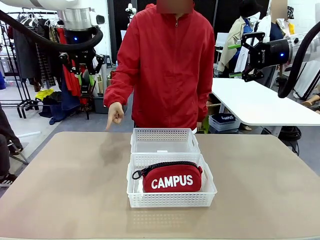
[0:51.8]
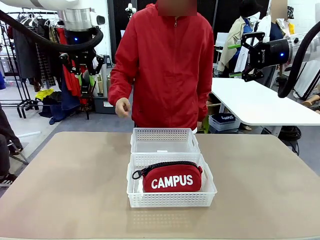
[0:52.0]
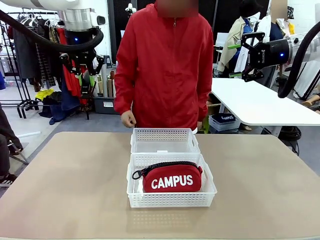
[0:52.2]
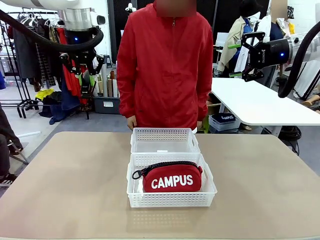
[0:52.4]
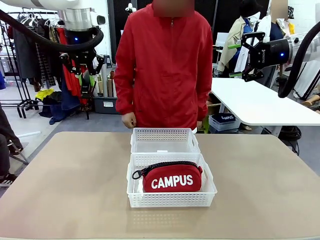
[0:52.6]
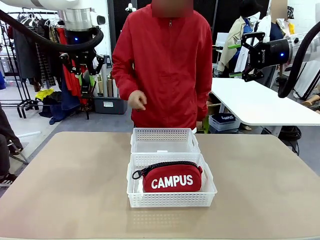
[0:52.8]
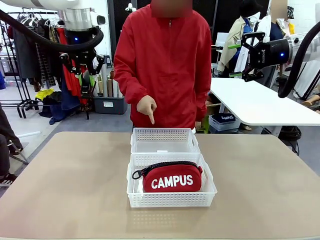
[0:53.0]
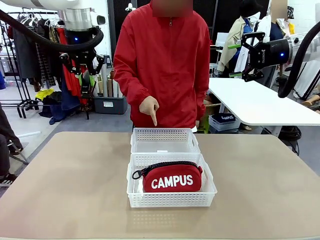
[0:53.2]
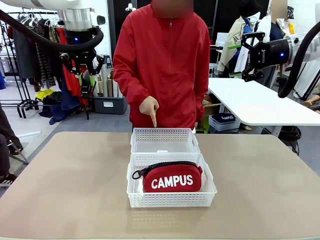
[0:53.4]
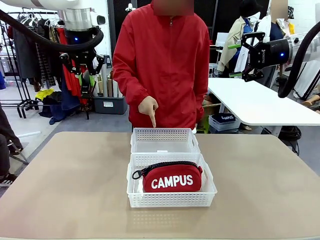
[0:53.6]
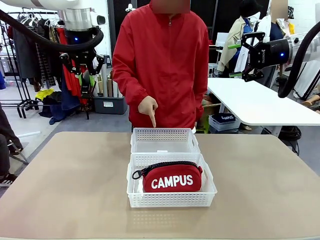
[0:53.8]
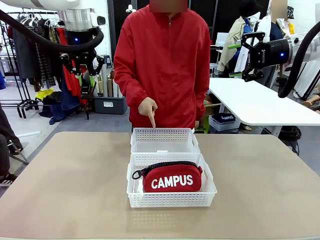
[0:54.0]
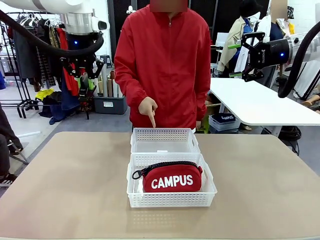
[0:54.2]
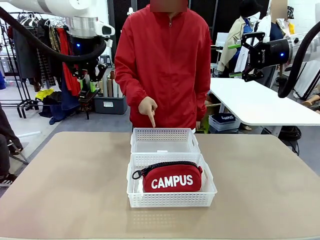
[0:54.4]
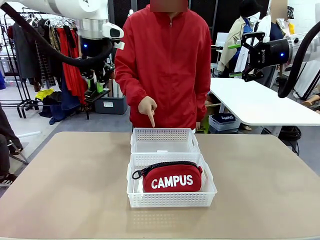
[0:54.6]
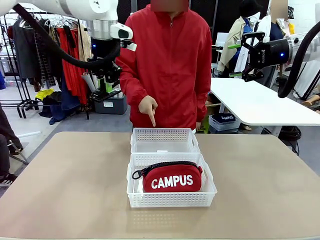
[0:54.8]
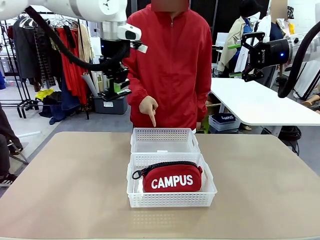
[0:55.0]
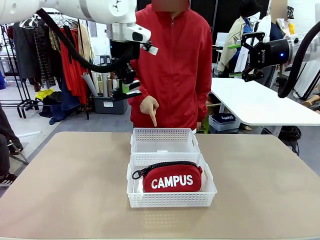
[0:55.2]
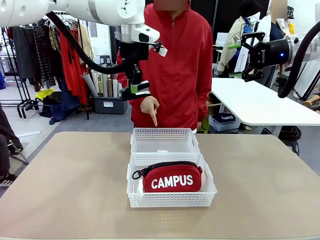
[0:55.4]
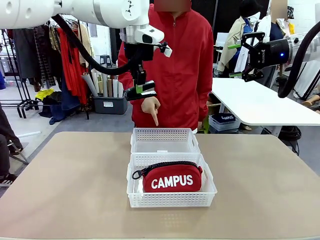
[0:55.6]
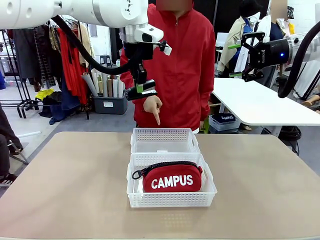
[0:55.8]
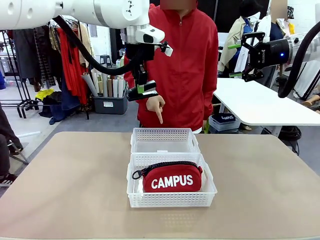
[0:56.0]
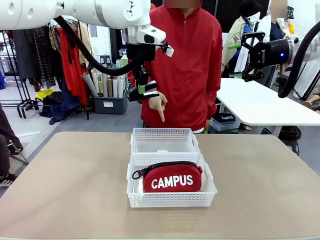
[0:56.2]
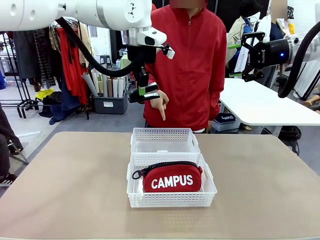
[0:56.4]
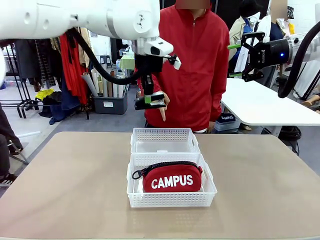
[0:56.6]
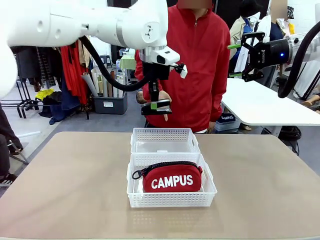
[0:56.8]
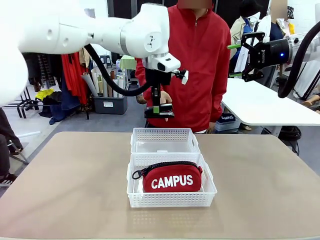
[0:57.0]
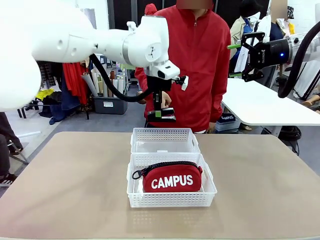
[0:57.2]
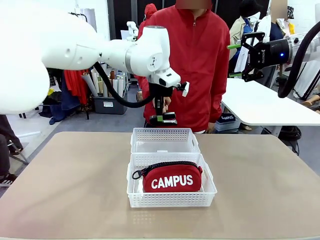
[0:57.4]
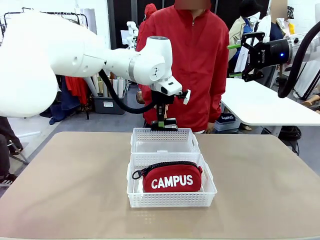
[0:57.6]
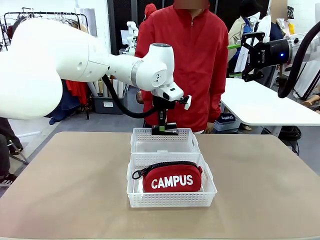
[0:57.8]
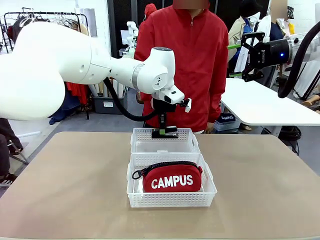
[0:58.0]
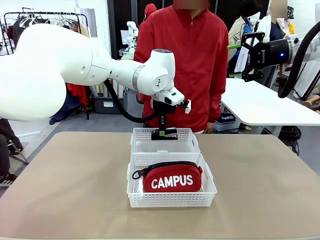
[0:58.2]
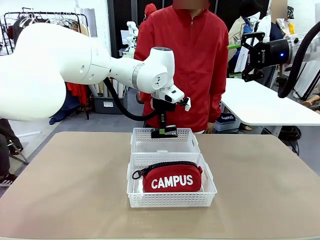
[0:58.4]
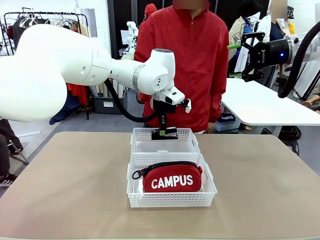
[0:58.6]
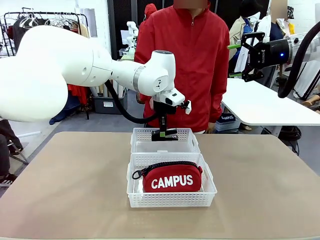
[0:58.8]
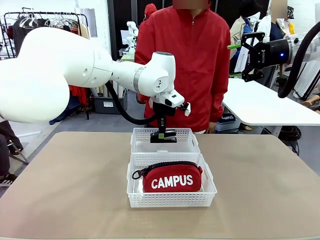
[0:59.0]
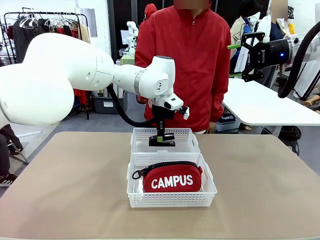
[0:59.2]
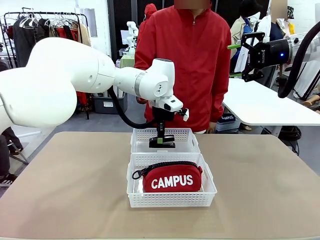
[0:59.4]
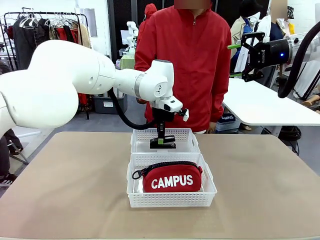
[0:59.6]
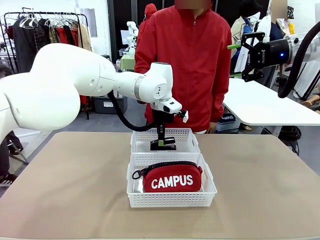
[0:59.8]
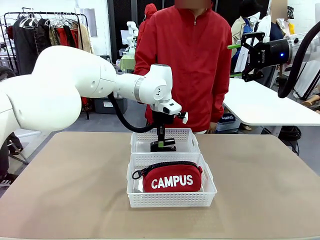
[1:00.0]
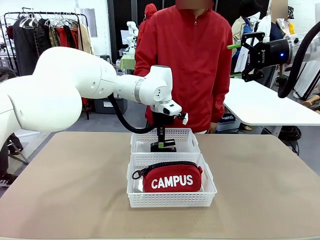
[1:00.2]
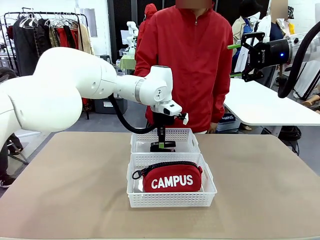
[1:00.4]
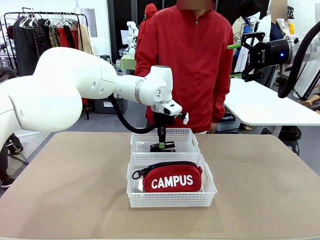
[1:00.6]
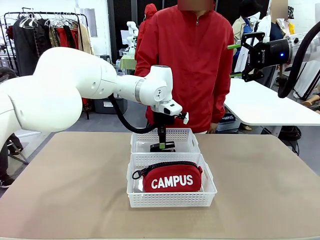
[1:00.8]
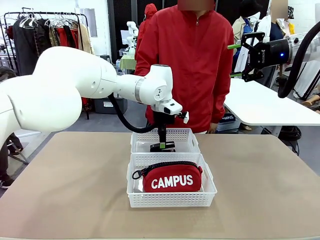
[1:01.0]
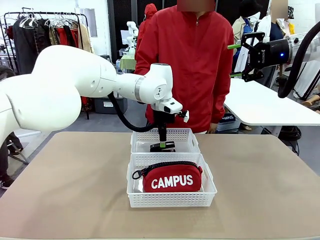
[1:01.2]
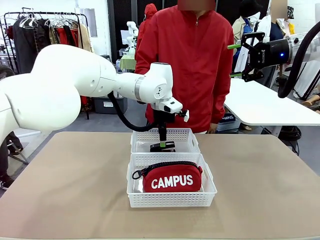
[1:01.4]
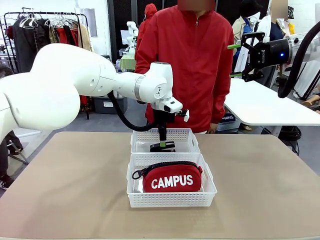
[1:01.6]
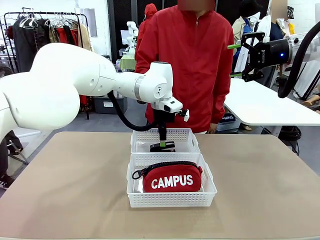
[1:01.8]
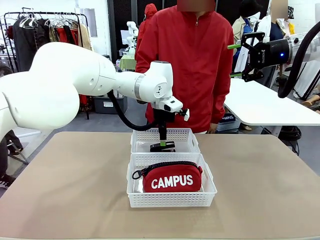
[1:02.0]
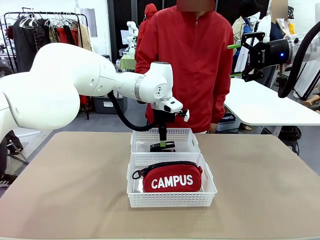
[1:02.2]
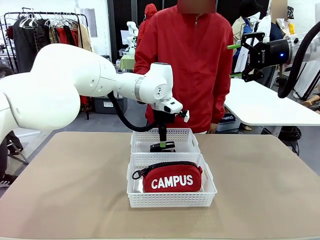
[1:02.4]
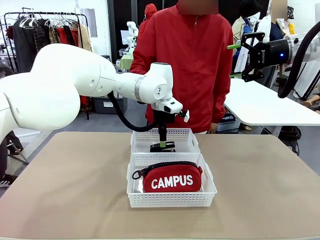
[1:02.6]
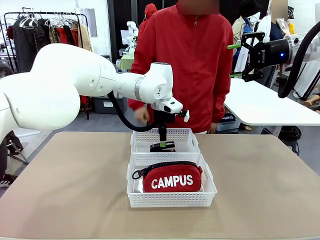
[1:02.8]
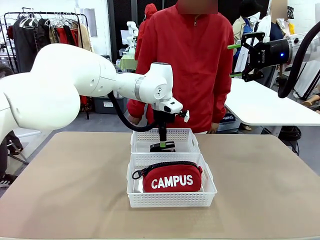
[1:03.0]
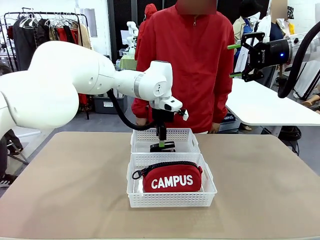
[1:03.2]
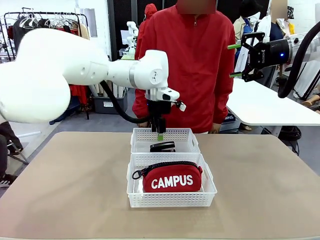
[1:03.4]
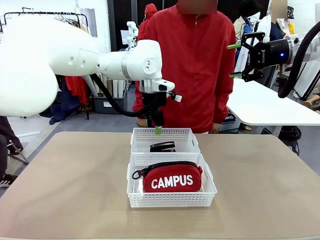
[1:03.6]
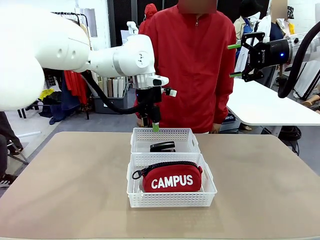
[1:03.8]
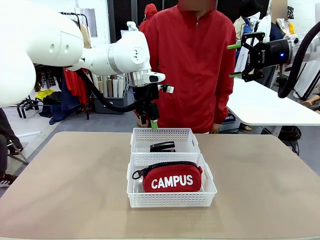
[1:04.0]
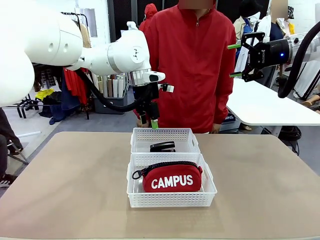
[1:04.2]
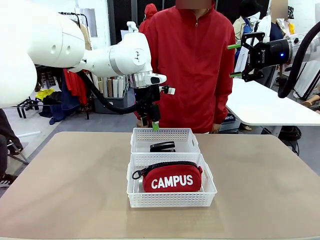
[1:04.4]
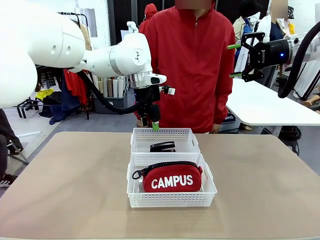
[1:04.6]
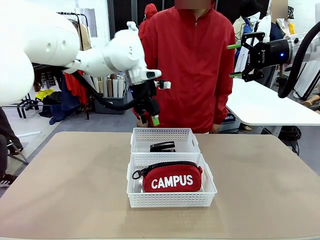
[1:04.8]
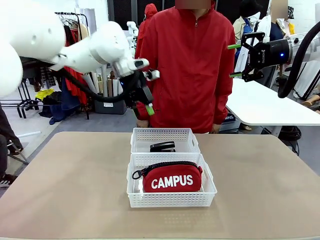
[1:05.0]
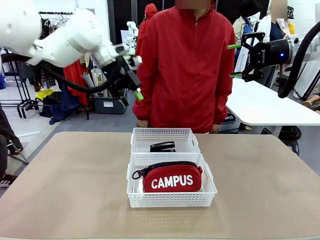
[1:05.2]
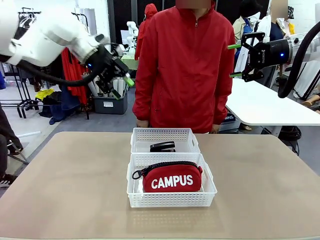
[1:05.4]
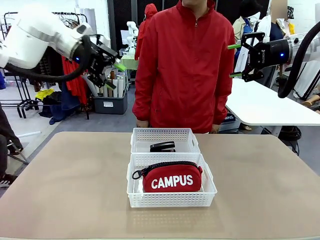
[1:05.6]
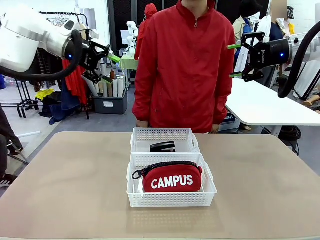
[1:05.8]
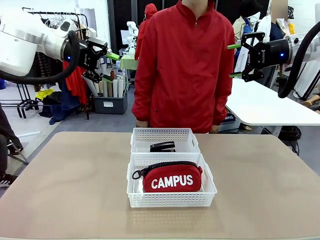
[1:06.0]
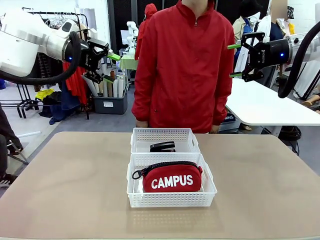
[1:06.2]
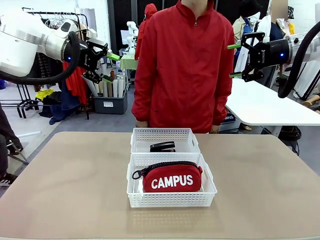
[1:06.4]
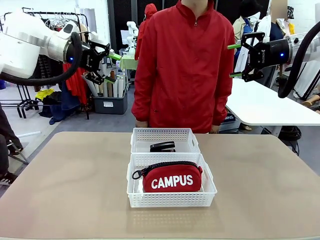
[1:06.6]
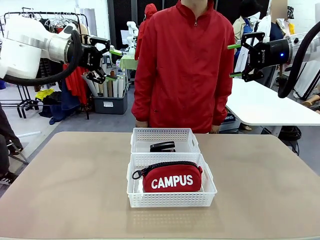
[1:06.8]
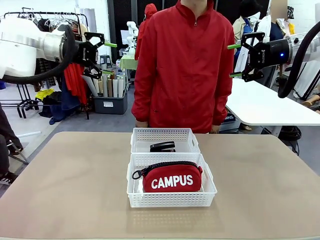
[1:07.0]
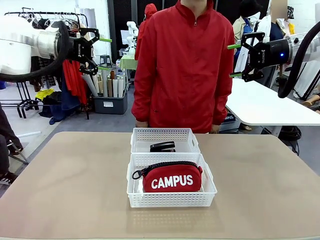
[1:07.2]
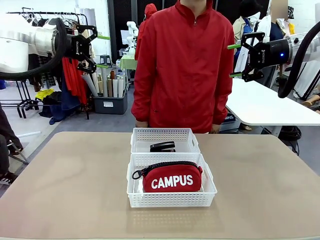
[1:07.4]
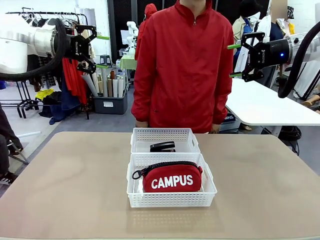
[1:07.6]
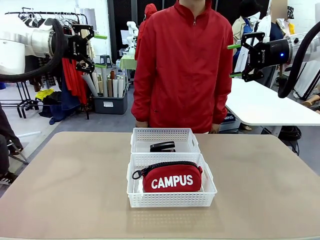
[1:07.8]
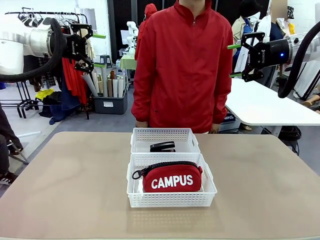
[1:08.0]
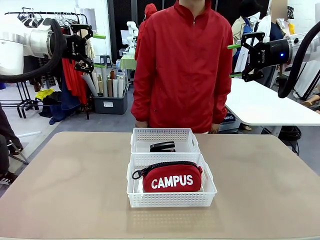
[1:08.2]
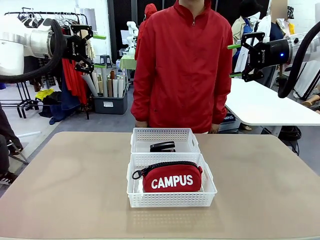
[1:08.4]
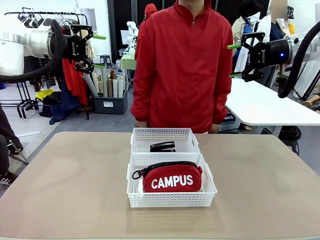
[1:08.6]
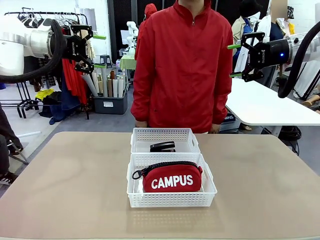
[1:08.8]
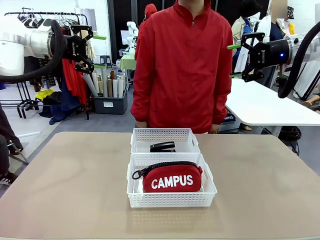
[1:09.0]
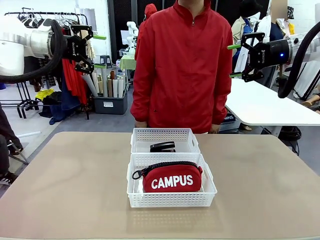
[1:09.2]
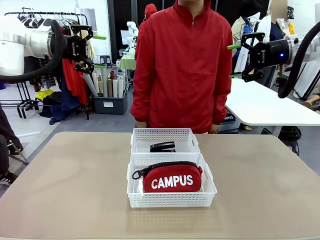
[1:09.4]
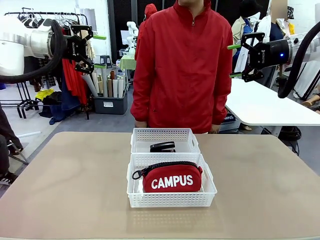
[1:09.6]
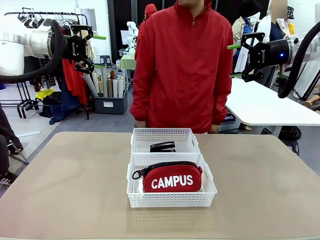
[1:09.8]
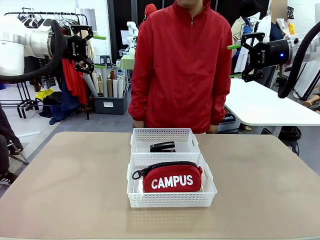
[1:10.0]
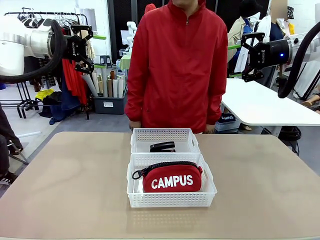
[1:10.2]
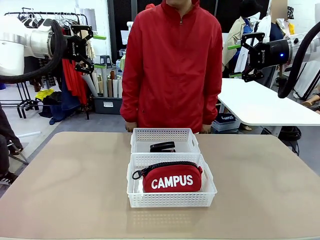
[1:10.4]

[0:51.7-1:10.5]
Task: Distribute items into two baskets.
Robot: Place the picked Stapler into the Organizing basket as instructed by the person.
Person: Points to the basket that does not contain the pencil case and instructs the robot to move the stapler there.
